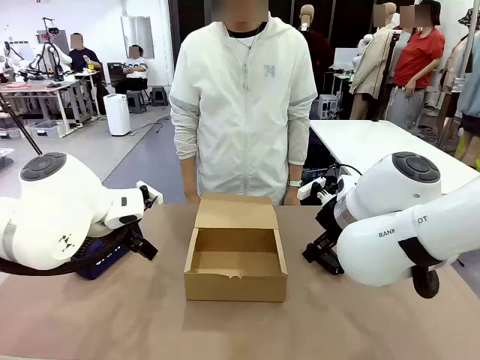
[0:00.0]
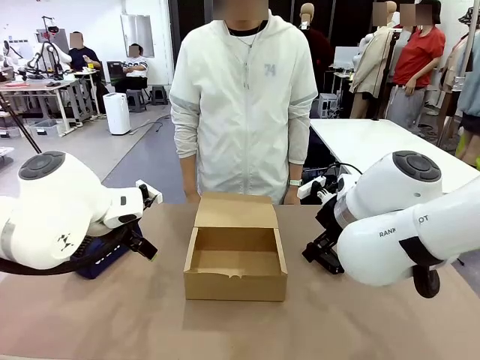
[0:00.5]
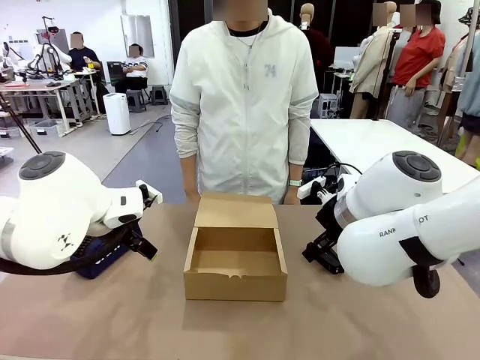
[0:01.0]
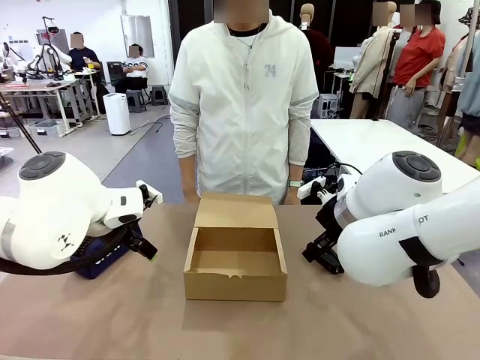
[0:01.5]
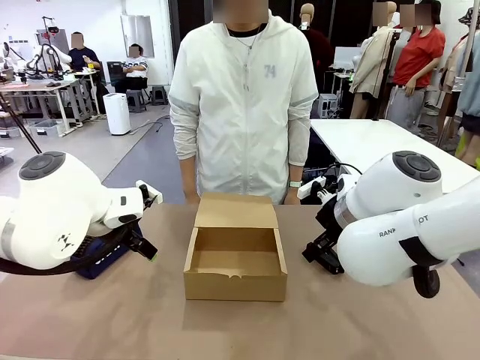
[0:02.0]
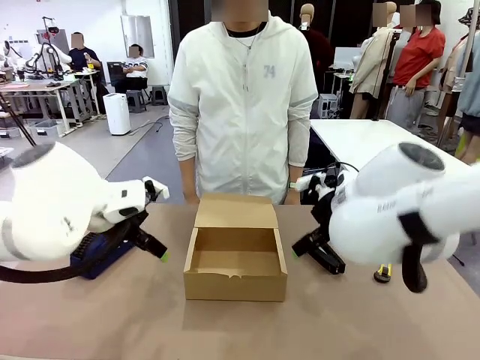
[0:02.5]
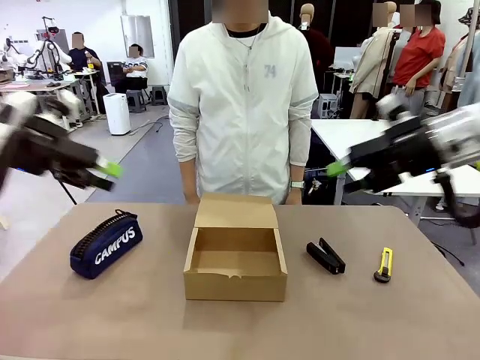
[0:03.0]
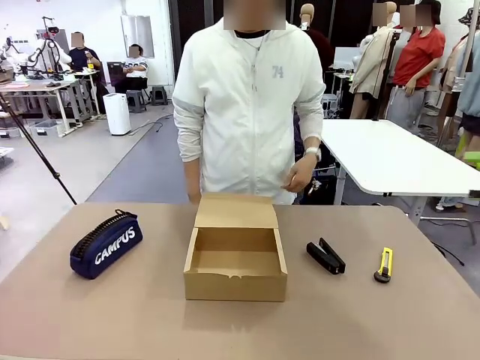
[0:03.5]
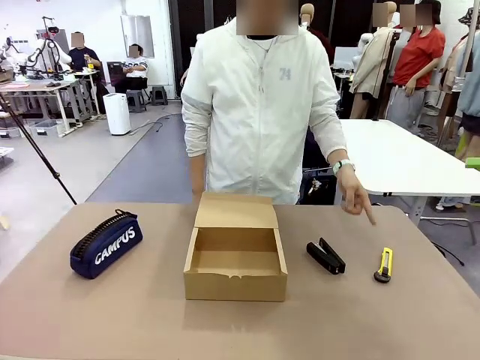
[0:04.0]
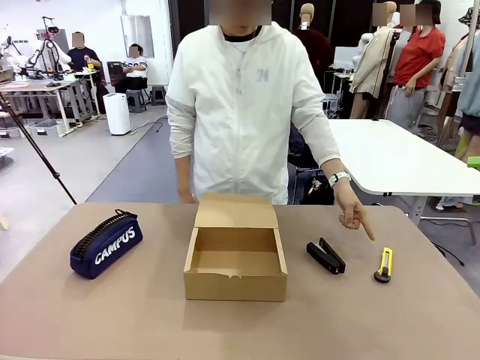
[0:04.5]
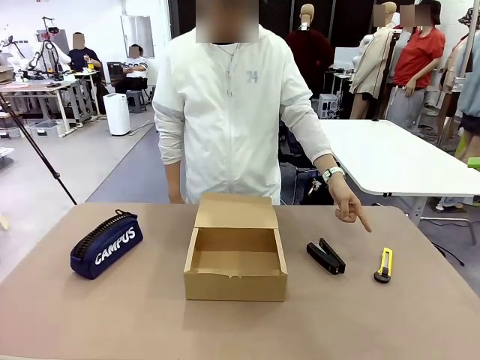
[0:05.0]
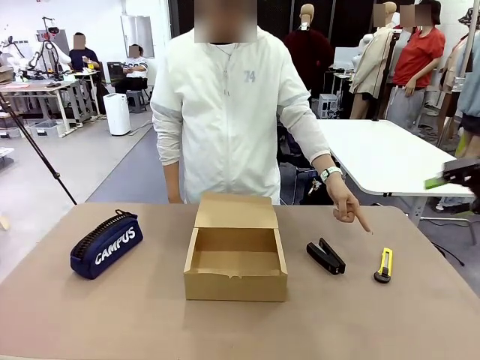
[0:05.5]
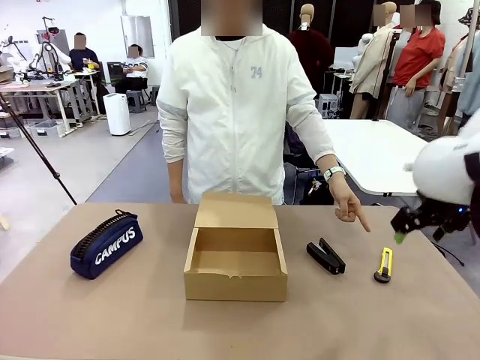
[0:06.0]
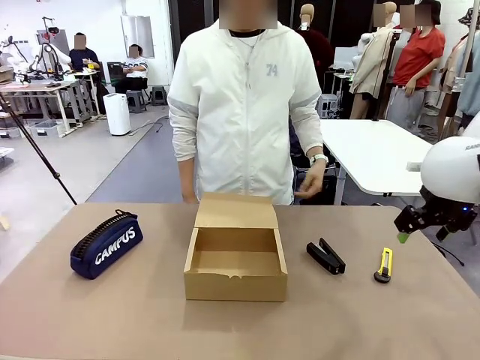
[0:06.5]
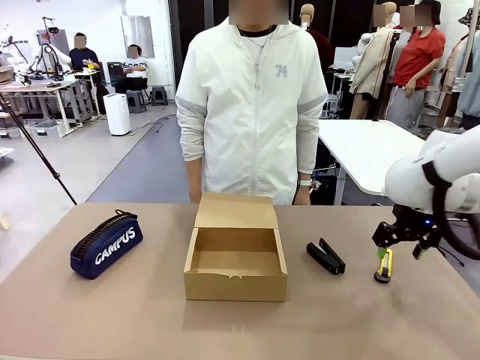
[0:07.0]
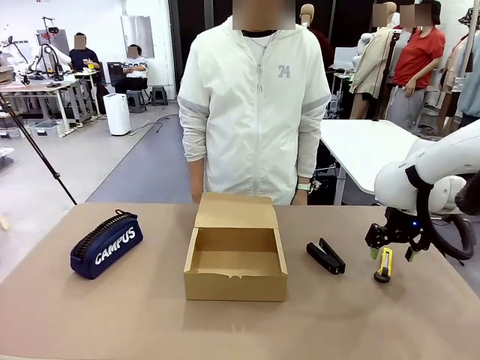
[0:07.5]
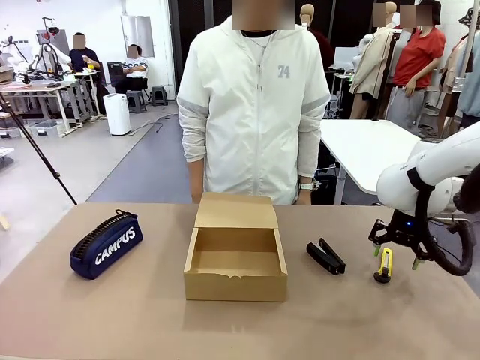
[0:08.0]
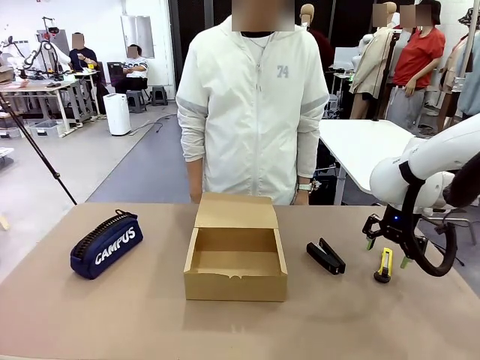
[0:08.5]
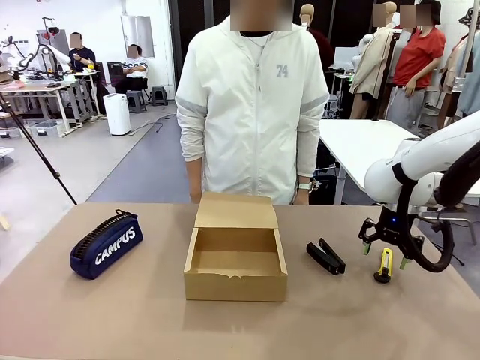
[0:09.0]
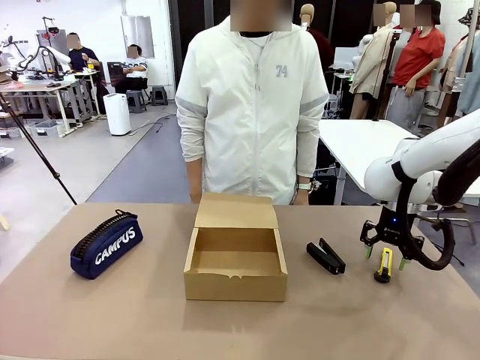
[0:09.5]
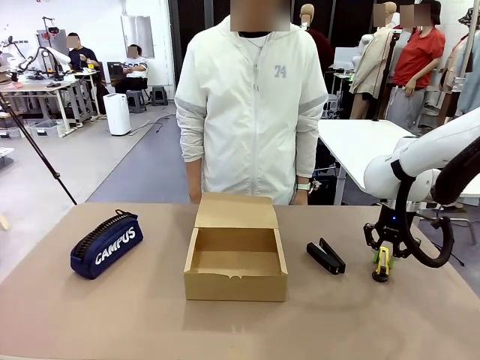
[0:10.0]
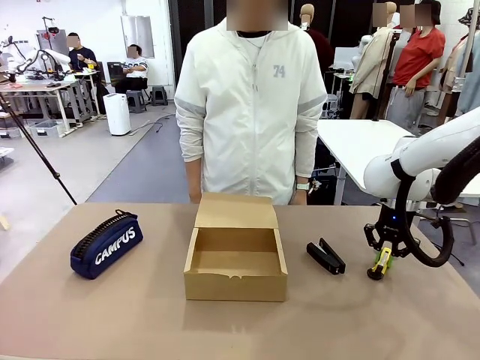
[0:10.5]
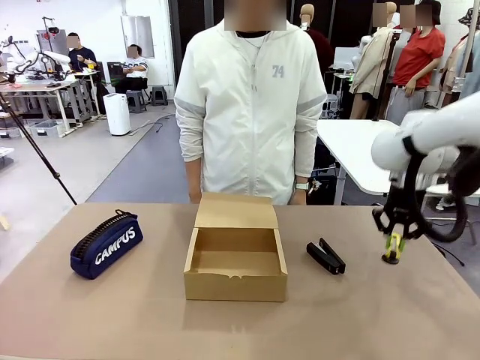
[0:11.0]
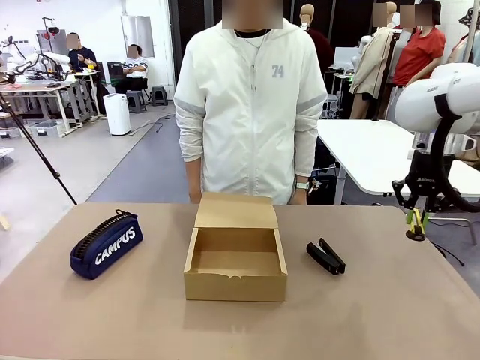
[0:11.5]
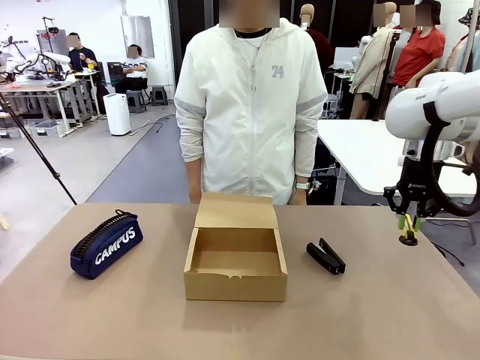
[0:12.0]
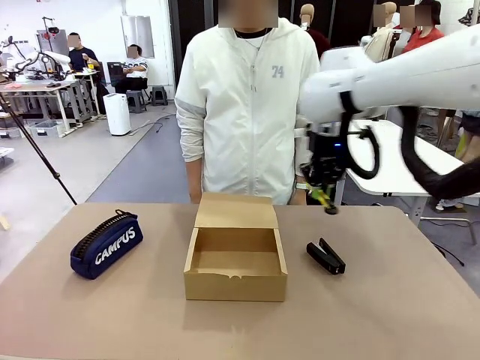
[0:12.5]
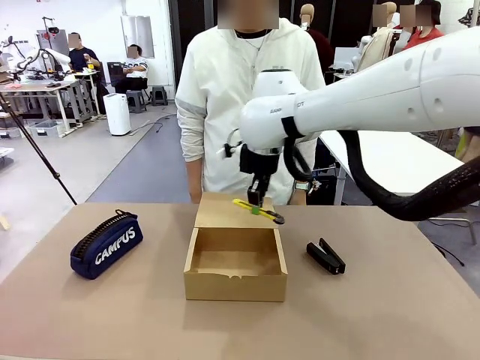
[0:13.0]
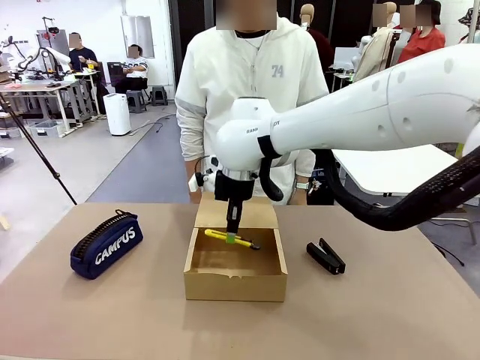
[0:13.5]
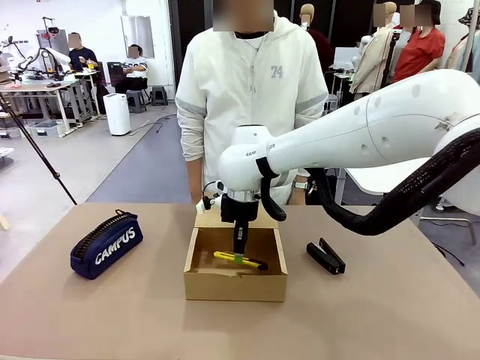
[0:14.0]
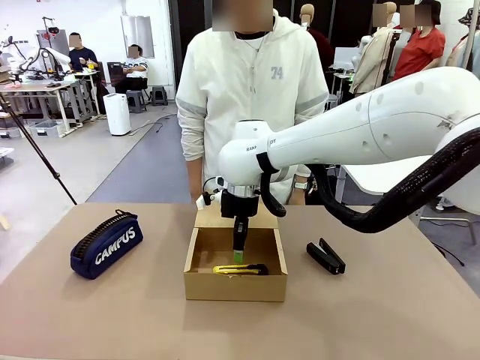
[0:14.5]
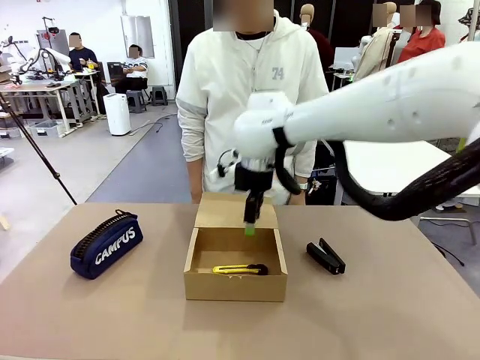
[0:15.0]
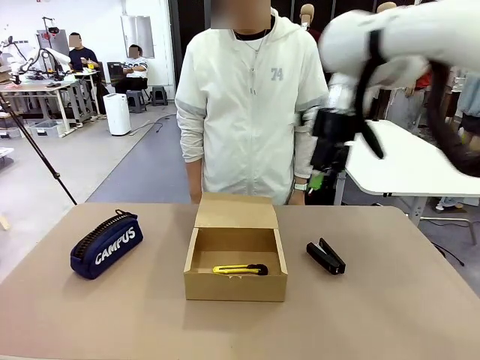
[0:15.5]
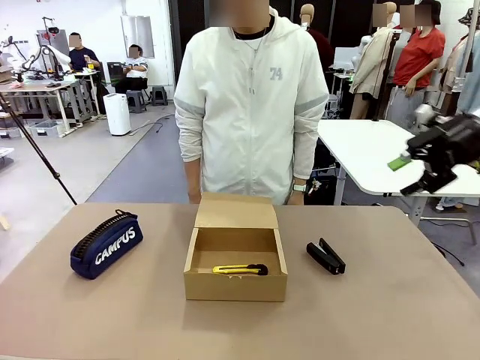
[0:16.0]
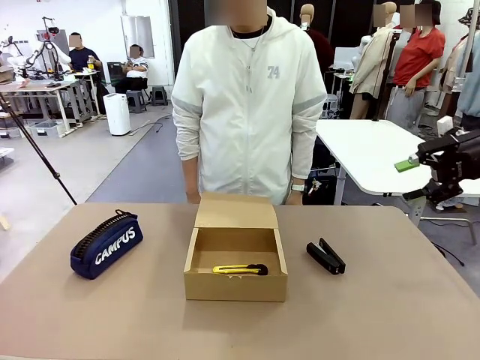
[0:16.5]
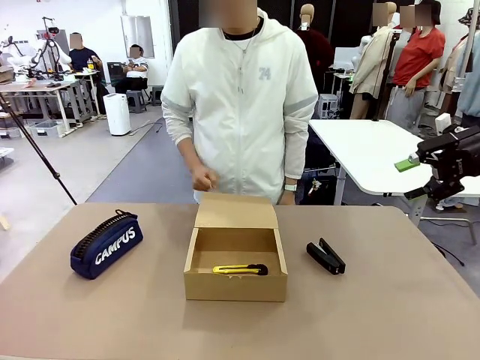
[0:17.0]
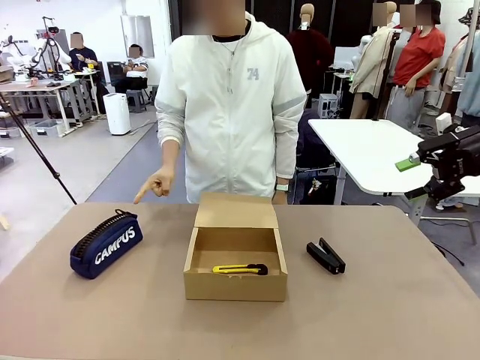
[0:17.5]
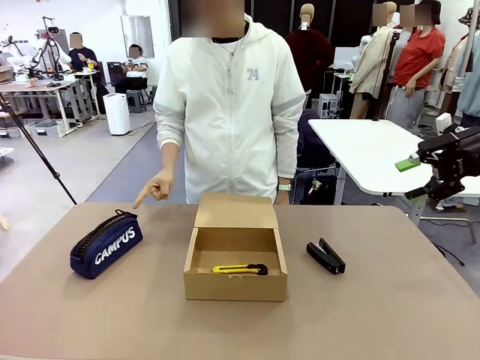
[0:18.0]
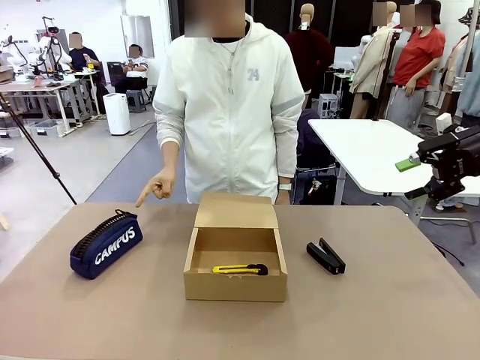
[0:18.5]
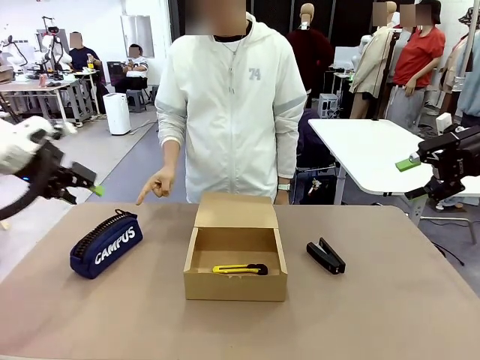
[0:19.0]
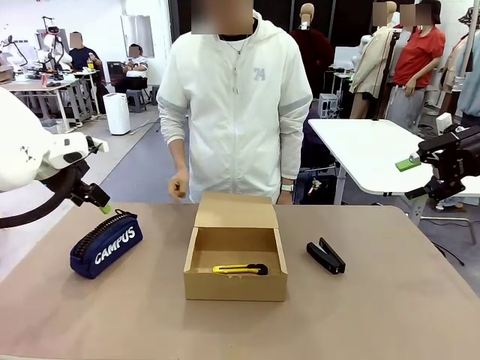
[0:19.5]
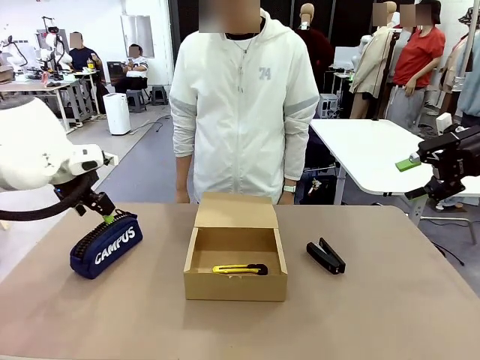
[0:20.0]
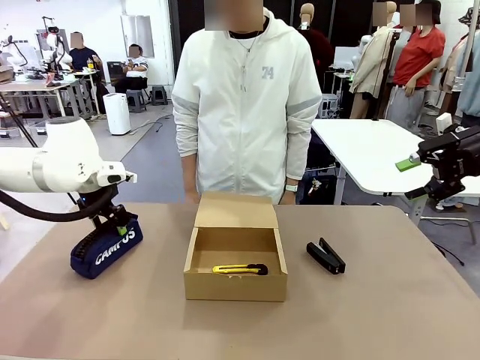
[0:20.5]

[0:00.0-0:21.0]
Task: Pack the items into the box.
Robot: Pick up the item indicated by the person and place it inside the Mailer Box.
Person: Point at one item on the table (excluding the box).
